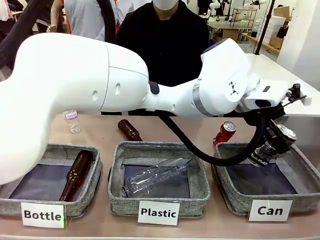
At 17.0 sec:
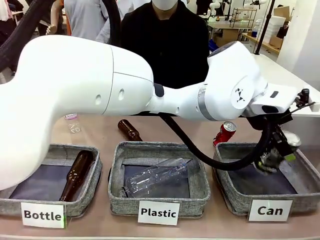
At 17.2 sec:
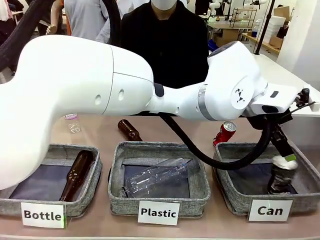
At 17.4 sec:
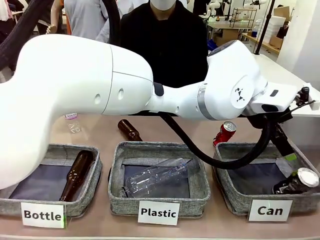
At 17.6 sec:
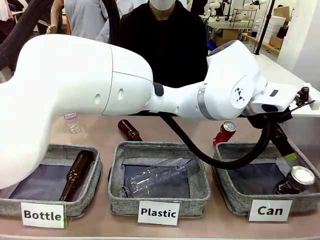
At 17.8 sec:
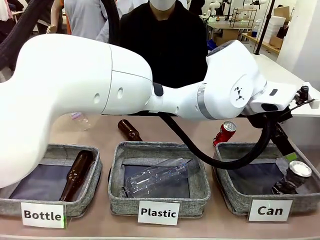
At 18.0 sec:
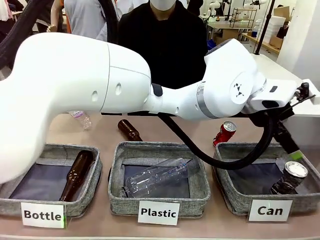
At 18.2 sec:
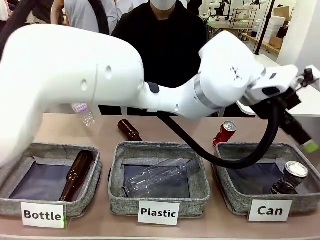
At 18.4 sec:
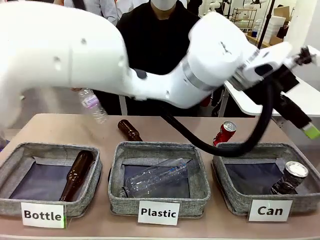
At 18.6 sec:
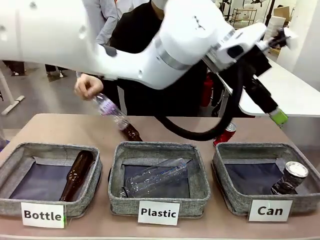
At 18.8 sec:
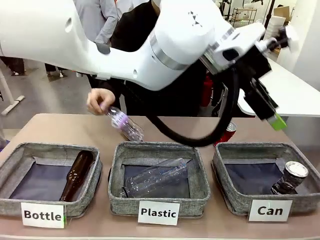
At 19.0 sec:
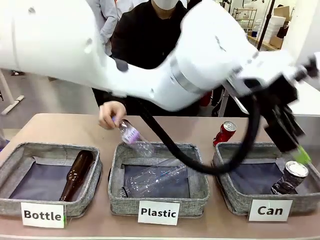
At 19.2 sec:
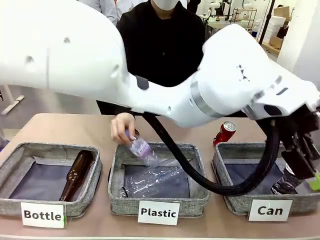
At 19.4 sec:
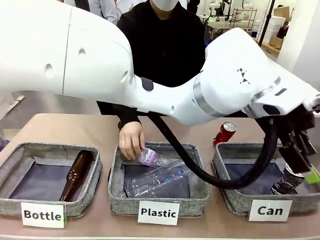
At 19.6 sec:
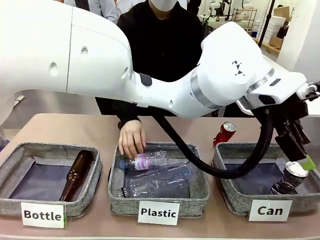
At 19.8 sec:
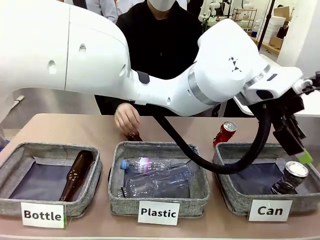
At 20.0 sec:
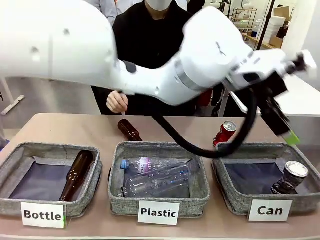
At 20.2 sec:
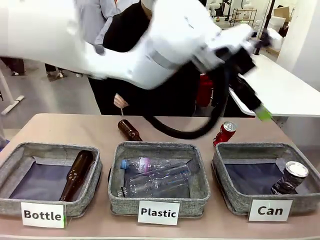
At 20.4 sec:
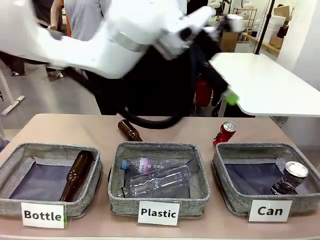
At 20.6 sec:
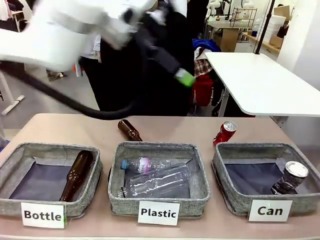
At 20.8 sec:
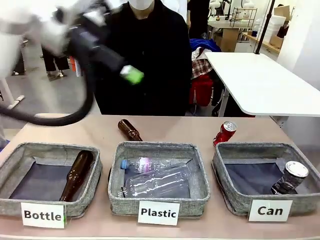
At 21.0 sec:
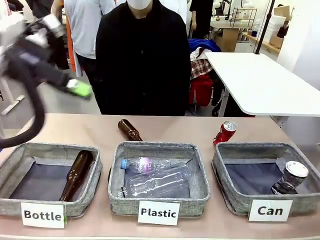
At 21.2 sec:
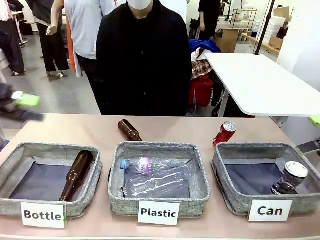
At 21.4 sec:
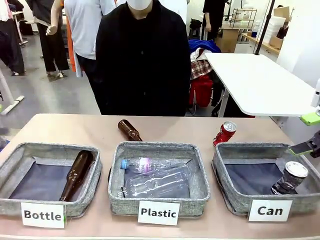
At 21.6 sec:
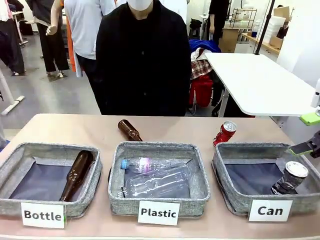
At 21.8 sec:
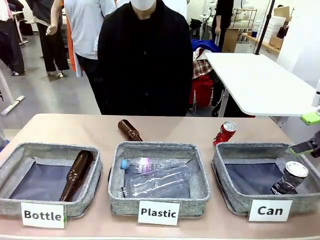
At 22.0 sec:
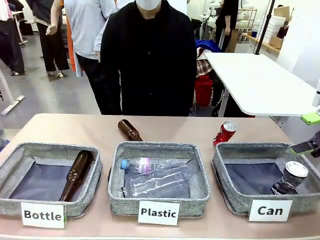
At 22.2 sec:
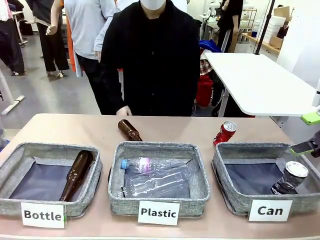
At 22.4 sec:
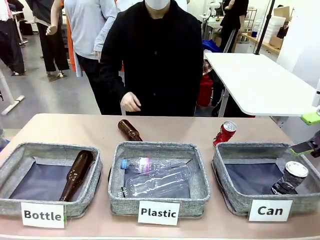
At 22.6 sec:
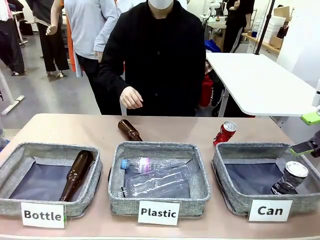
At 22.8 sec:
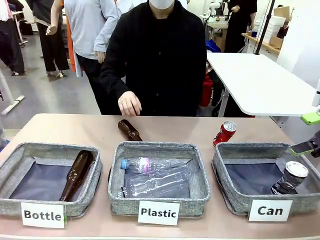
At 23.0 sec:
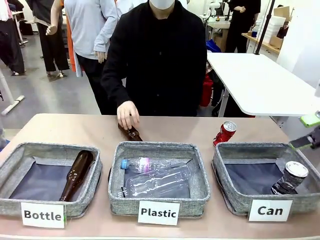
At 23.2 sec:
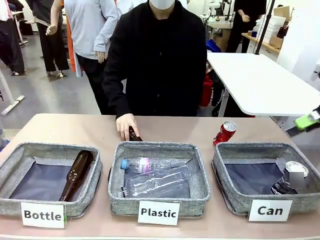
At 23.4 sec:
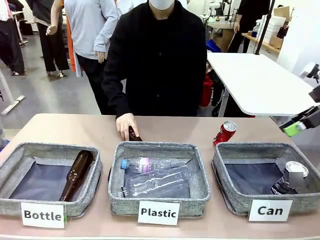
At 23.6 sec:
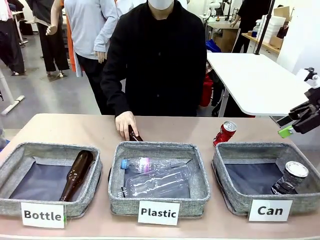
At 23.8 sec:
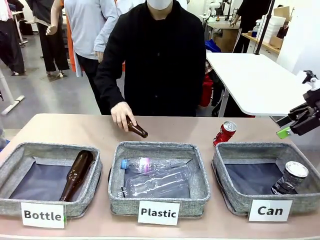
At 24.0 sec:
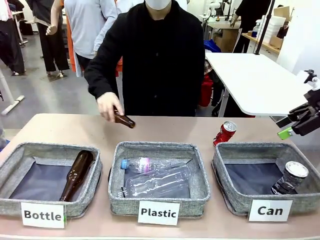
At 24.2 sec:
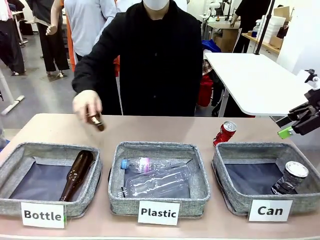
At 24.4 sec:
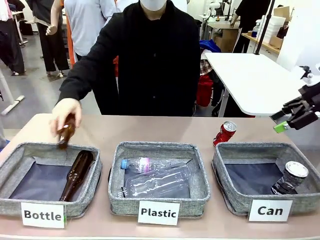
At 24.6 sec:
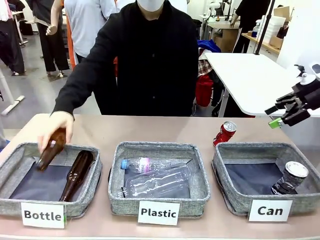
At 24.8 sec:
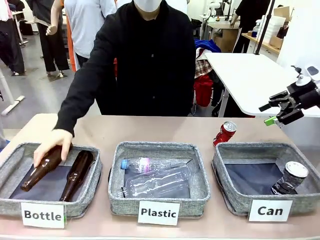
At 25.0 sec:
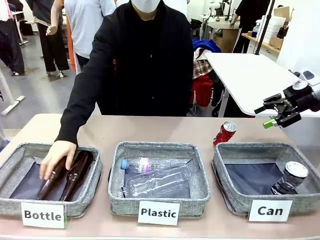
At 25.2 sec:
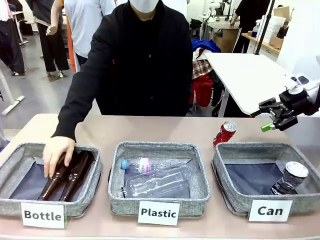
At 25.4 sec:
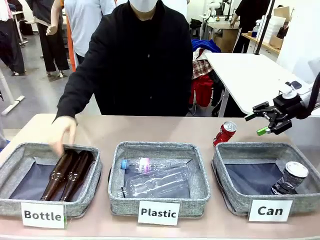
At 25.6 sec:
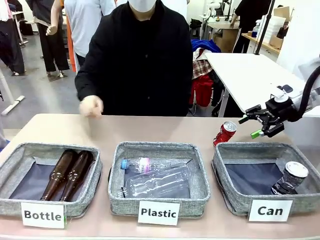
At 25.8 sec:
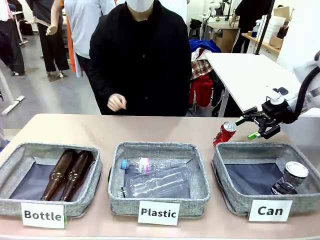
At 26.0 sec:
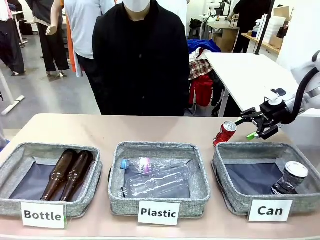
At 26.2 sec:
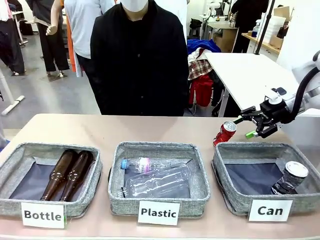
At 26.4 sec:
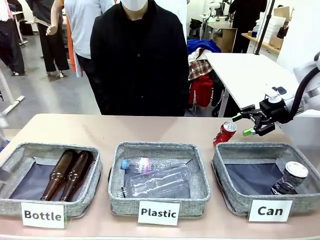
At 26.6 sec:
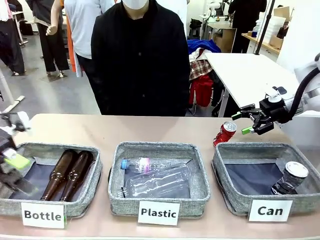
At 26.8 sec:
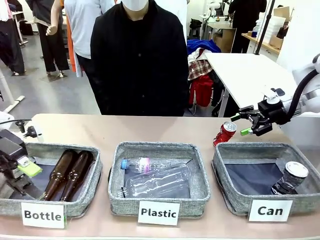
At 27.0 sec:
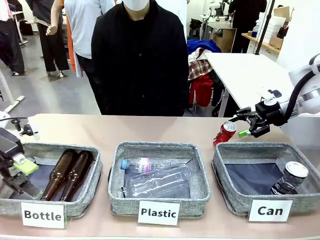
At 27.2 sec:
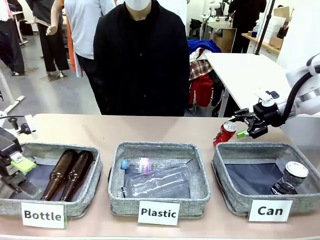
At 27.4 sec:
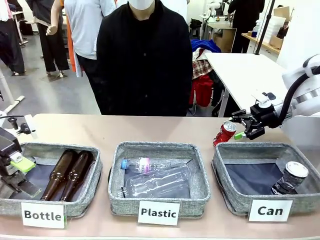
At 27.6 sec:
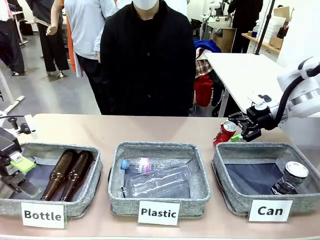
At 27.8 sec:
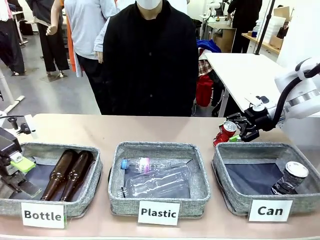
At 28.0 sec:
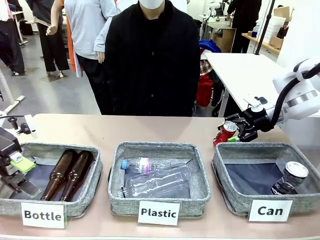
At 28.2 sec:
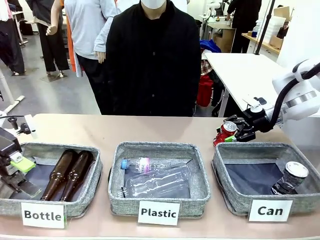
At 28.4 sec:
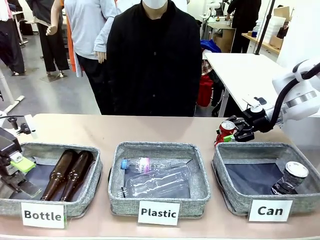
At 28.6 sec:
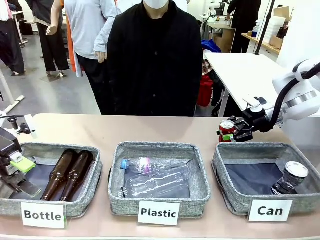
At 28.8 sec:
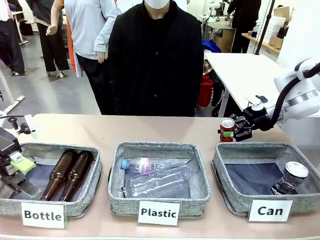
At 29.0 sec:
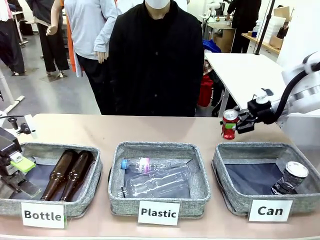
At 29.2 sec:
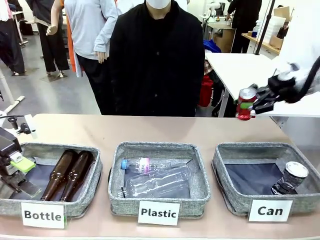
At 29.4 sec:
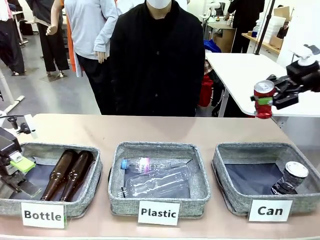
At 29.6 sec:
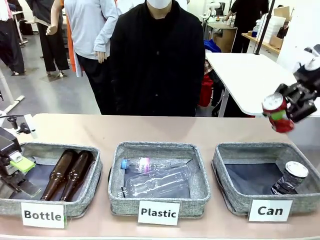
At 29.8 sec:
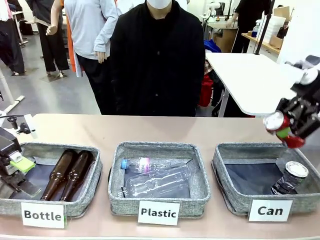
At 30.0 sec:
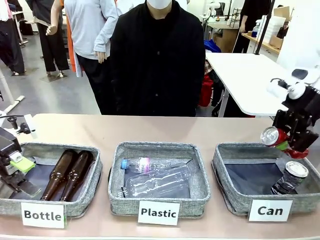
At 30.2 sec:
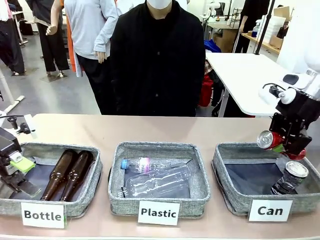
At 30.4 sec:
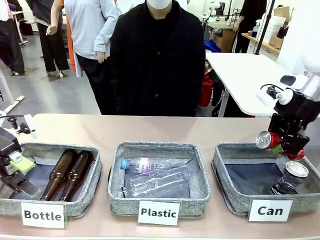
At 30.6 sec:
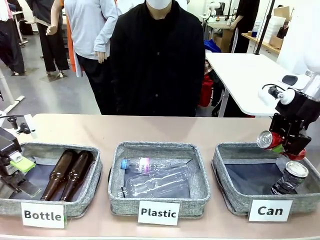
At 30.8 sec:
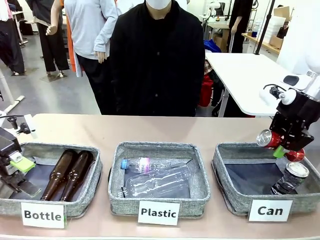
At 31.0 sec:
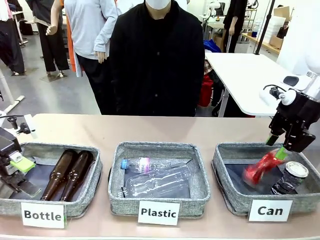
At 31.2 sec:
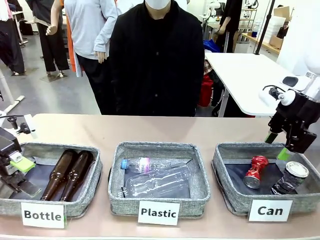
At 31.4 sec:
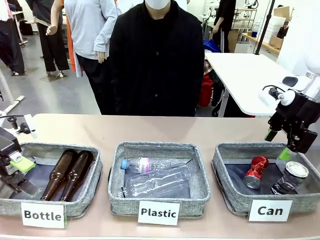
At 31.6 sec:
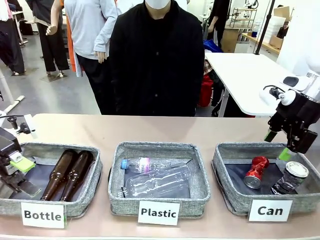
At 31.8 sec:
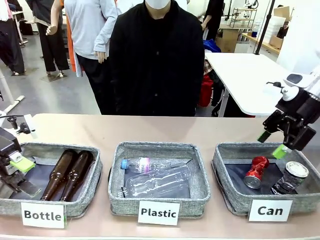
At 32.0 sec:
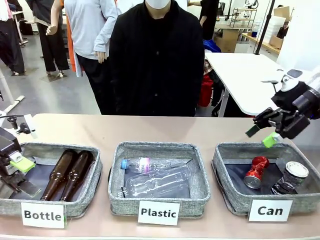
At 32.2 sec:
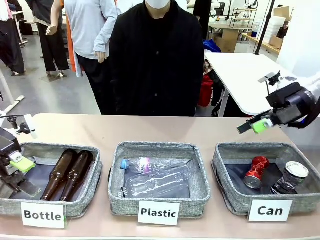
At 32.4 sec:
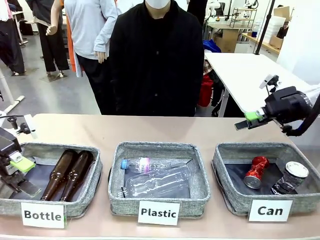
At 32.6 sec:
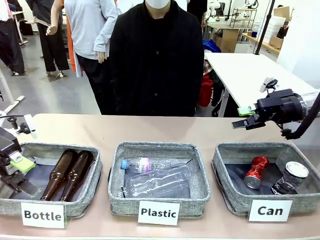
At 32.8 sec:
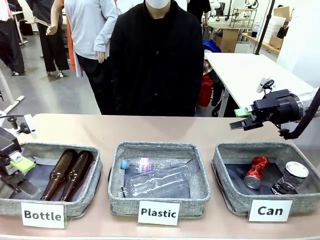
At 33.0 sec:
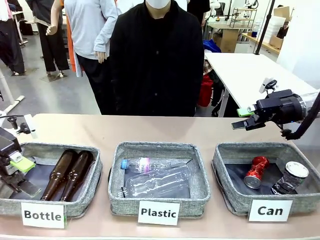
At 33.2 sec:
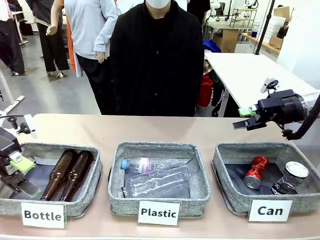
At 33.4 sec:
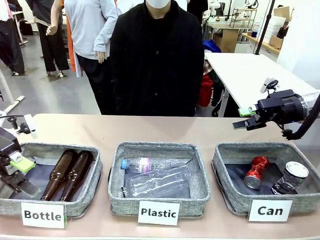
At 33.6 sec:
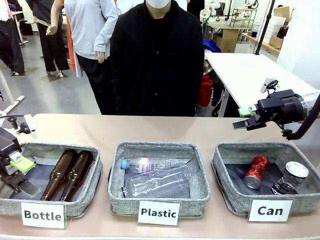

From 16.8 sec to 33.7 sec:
Task: Sort the can waste into the basket.
Robot: Pick up the can waste from the table and place it in the right Fabric basket.
Person: The human picks up one piece of trash that is not a can and places the trash into the appropriate organizing basket.
